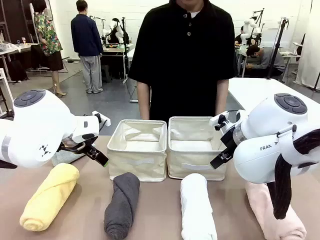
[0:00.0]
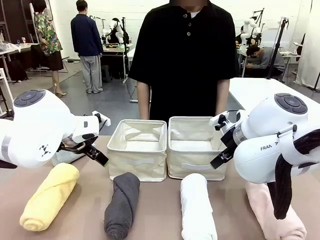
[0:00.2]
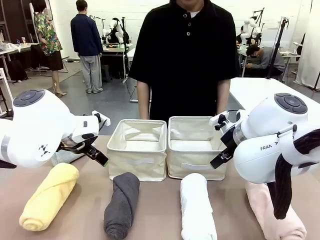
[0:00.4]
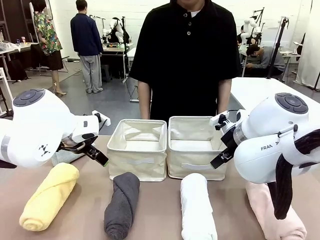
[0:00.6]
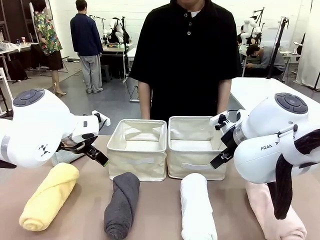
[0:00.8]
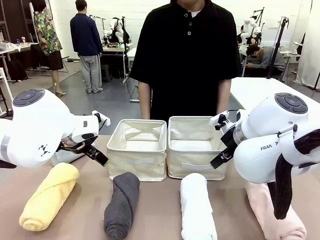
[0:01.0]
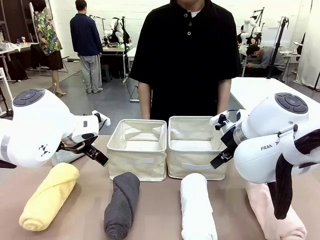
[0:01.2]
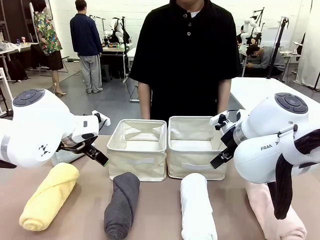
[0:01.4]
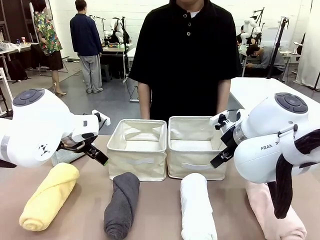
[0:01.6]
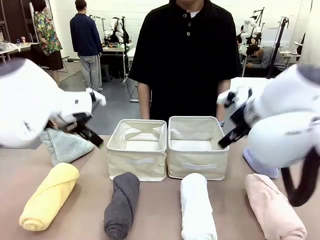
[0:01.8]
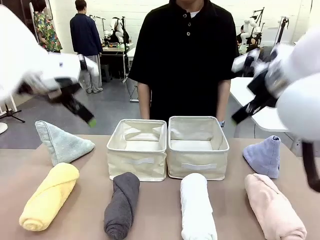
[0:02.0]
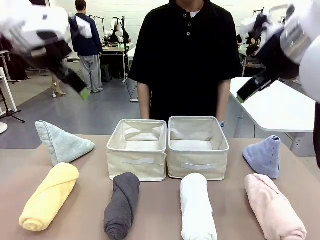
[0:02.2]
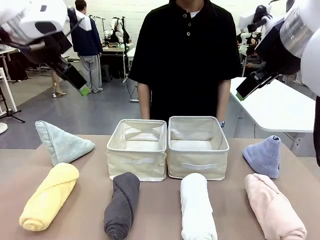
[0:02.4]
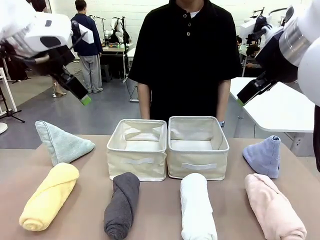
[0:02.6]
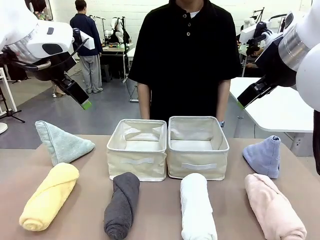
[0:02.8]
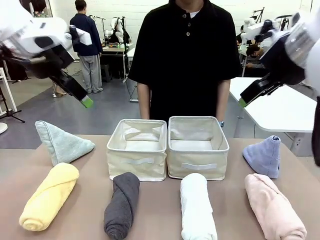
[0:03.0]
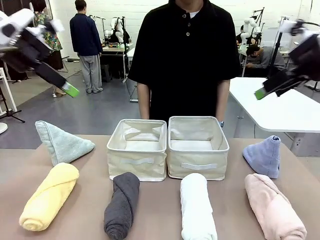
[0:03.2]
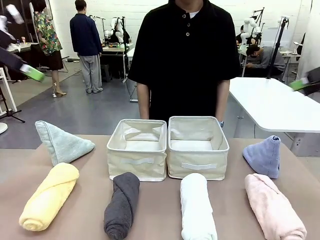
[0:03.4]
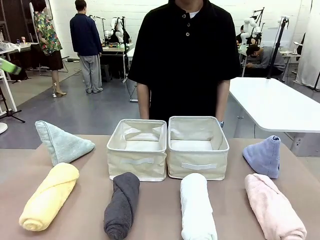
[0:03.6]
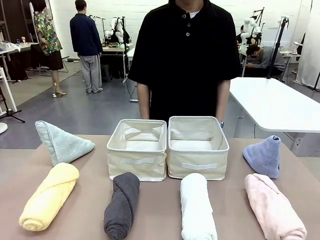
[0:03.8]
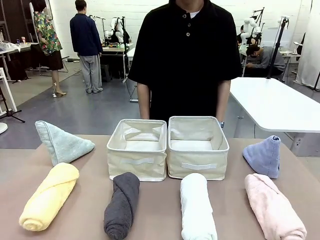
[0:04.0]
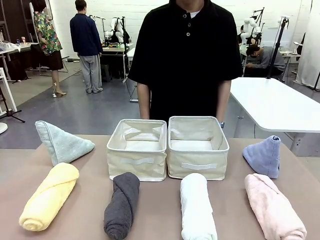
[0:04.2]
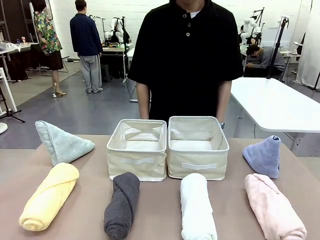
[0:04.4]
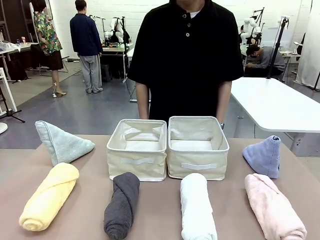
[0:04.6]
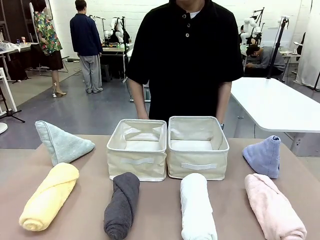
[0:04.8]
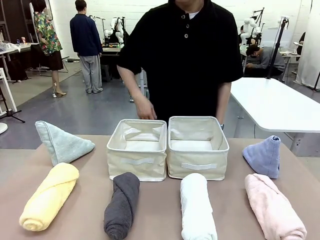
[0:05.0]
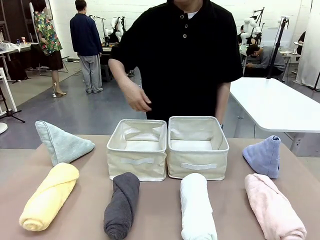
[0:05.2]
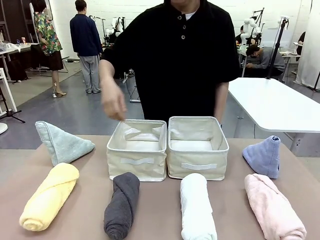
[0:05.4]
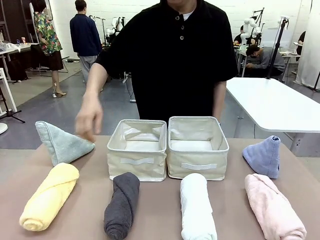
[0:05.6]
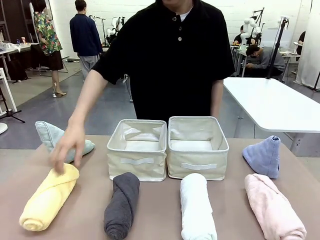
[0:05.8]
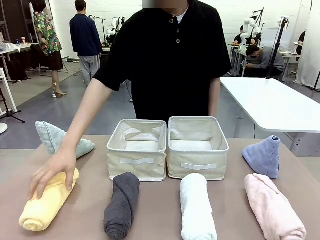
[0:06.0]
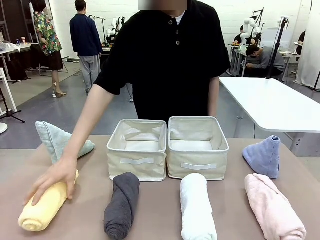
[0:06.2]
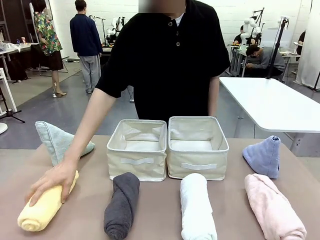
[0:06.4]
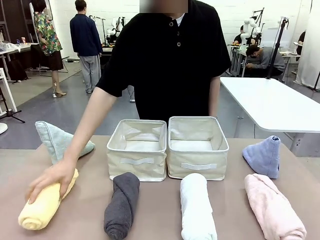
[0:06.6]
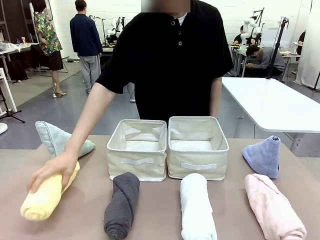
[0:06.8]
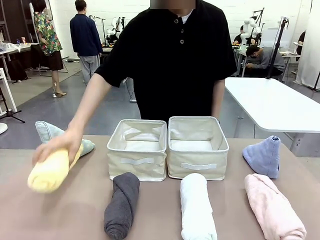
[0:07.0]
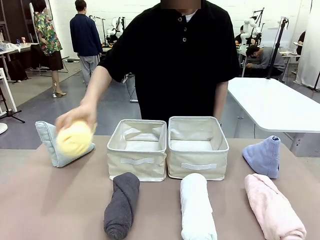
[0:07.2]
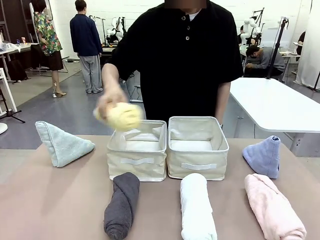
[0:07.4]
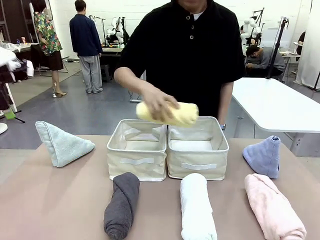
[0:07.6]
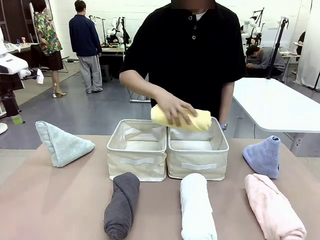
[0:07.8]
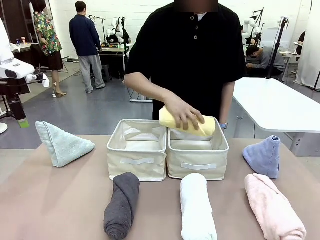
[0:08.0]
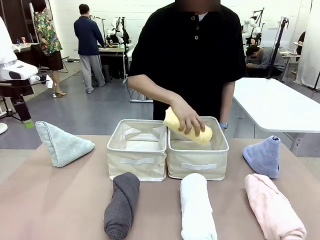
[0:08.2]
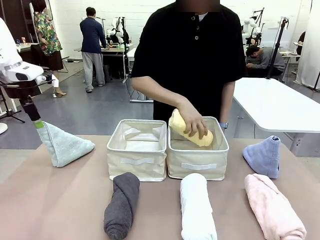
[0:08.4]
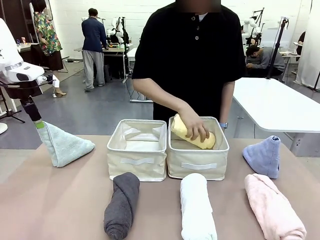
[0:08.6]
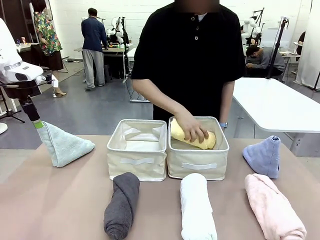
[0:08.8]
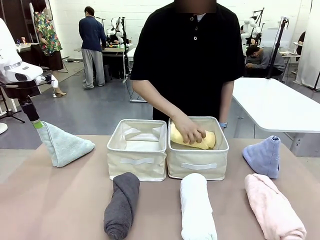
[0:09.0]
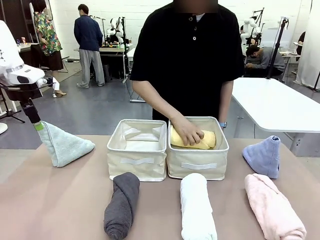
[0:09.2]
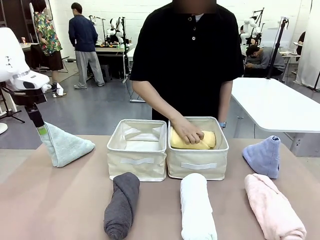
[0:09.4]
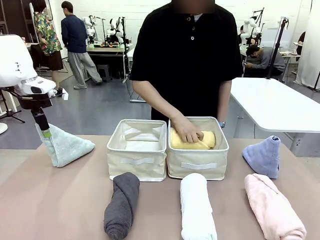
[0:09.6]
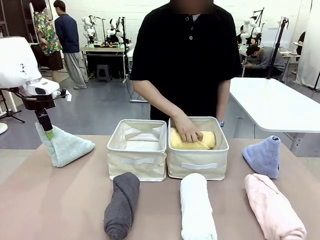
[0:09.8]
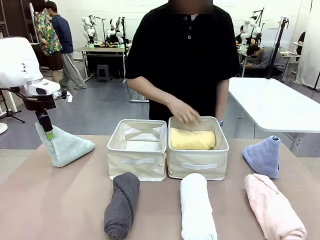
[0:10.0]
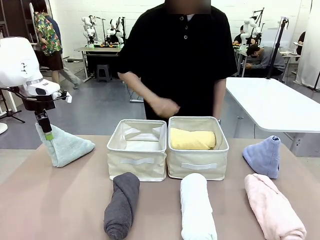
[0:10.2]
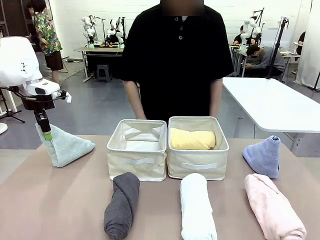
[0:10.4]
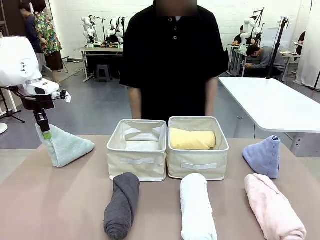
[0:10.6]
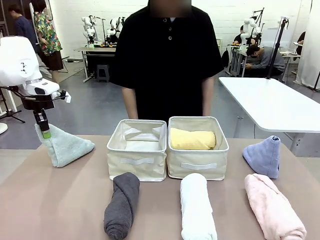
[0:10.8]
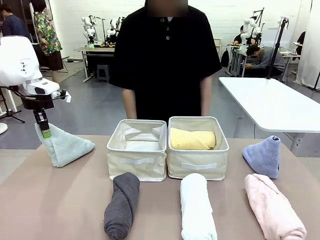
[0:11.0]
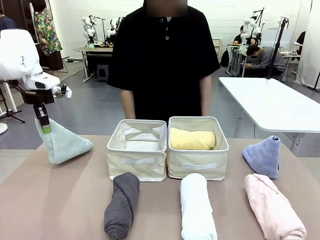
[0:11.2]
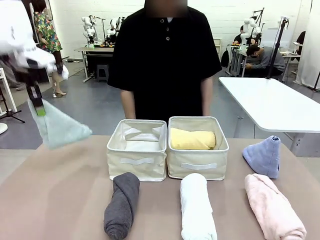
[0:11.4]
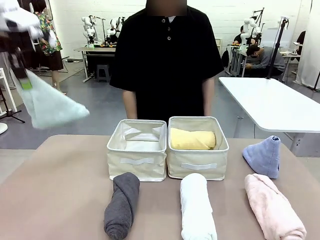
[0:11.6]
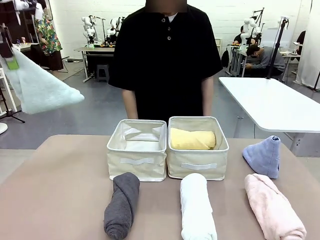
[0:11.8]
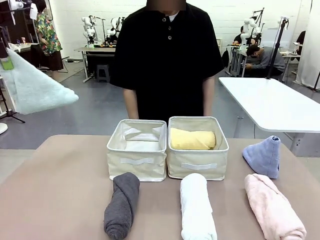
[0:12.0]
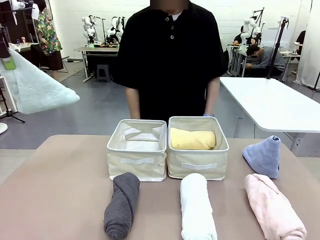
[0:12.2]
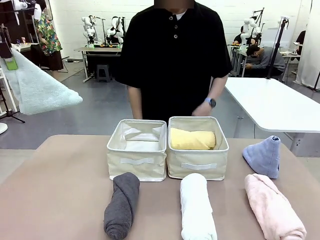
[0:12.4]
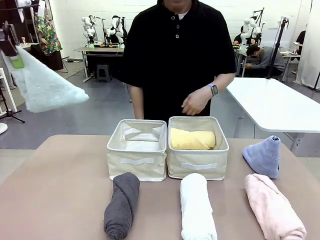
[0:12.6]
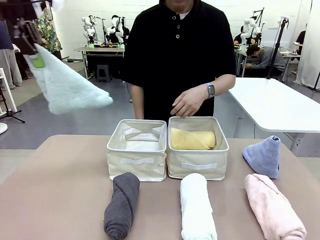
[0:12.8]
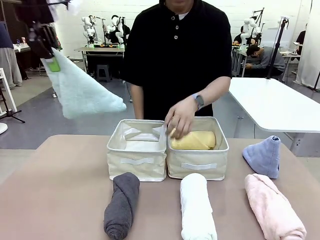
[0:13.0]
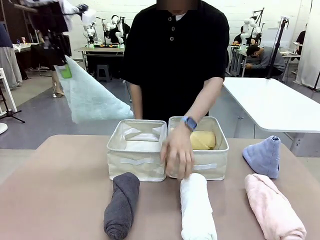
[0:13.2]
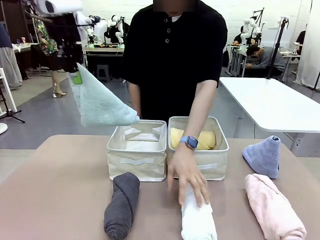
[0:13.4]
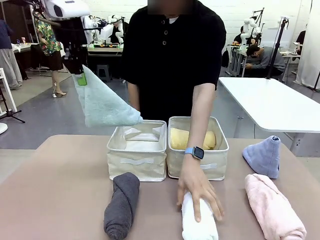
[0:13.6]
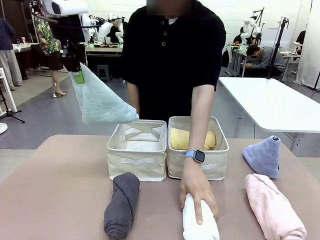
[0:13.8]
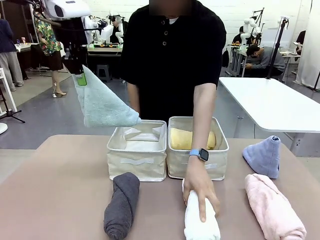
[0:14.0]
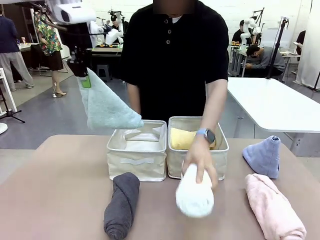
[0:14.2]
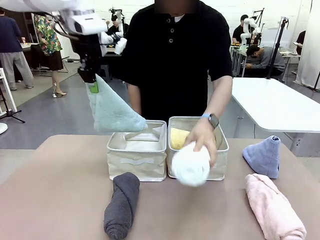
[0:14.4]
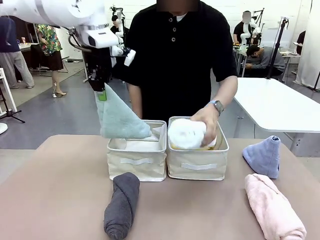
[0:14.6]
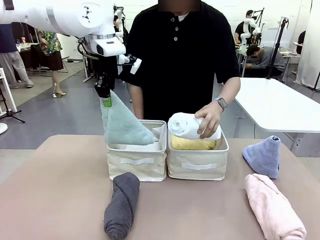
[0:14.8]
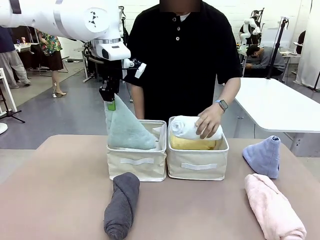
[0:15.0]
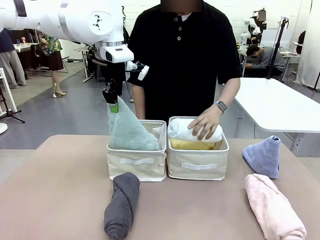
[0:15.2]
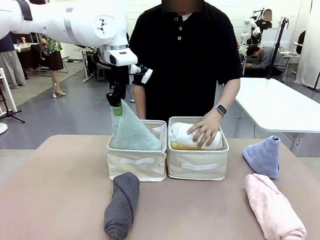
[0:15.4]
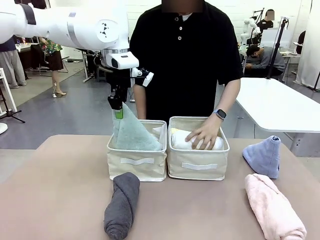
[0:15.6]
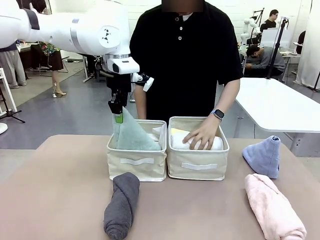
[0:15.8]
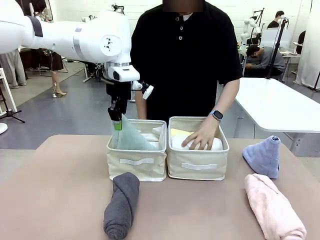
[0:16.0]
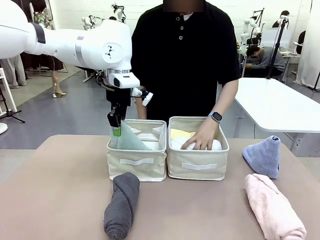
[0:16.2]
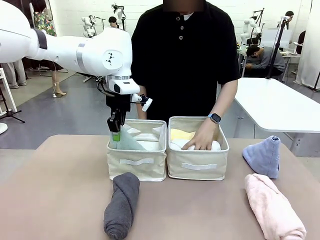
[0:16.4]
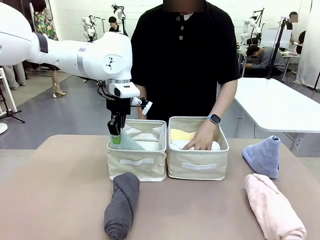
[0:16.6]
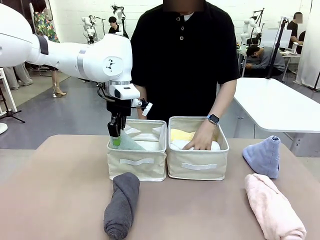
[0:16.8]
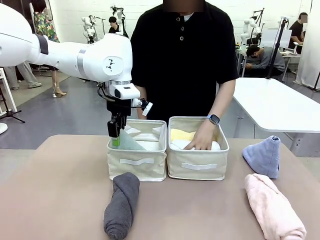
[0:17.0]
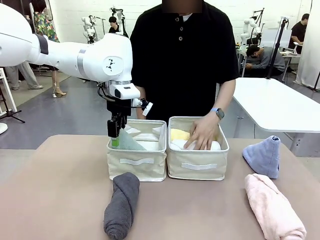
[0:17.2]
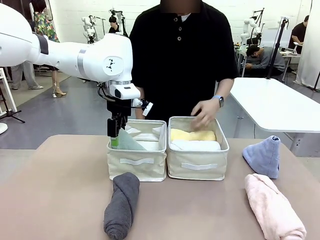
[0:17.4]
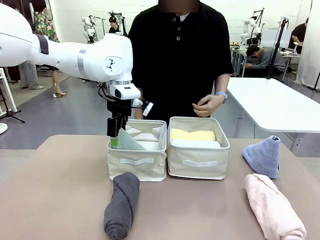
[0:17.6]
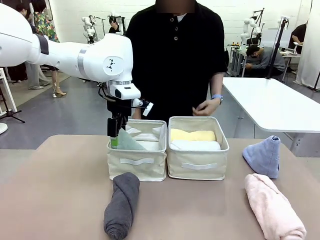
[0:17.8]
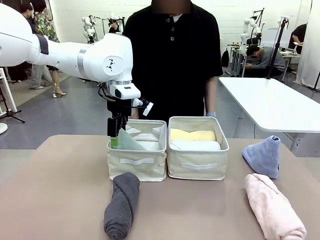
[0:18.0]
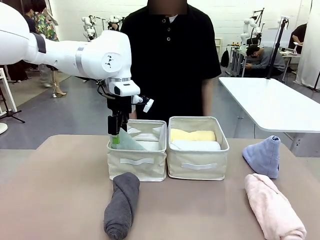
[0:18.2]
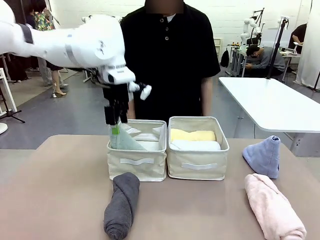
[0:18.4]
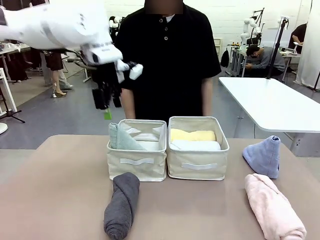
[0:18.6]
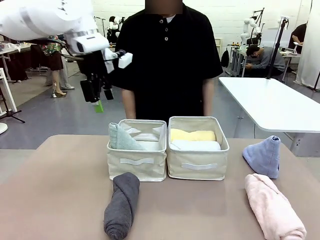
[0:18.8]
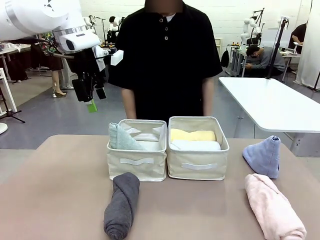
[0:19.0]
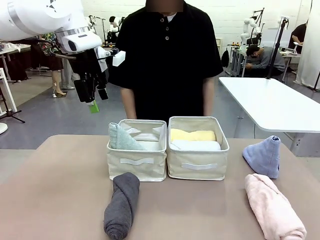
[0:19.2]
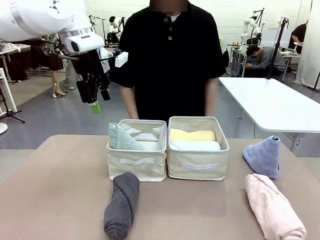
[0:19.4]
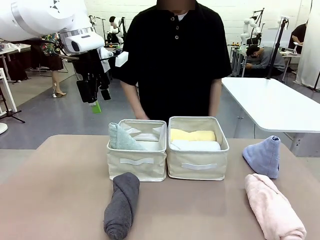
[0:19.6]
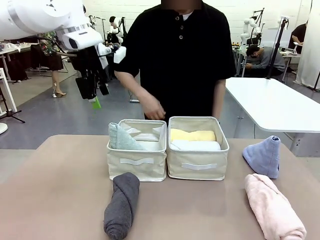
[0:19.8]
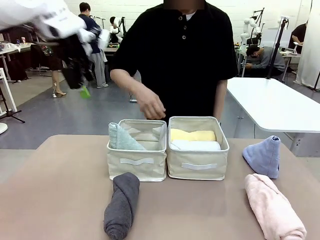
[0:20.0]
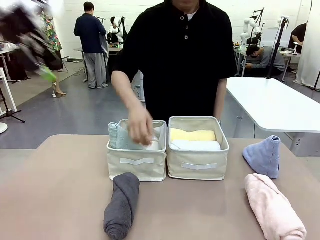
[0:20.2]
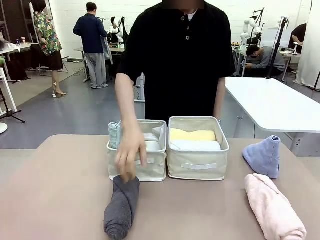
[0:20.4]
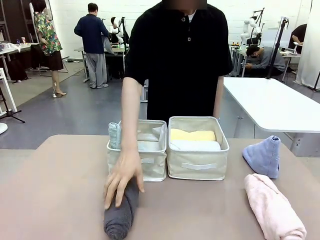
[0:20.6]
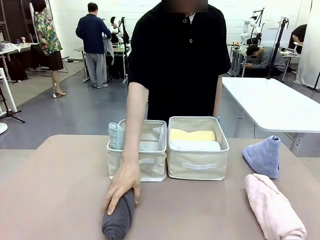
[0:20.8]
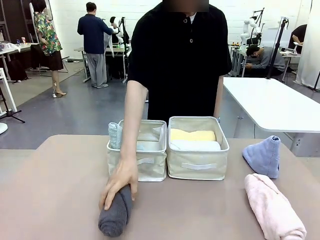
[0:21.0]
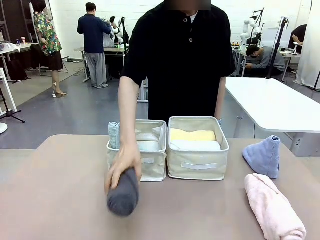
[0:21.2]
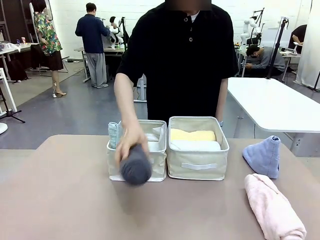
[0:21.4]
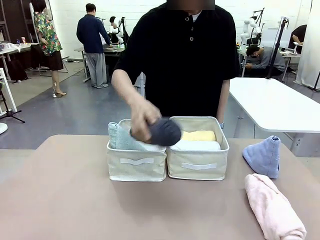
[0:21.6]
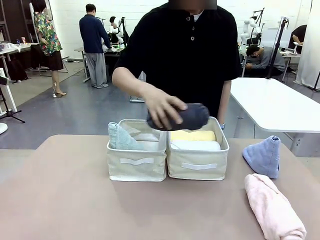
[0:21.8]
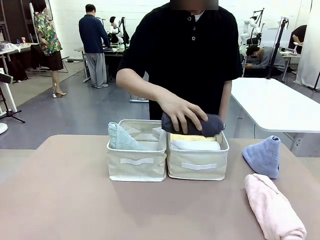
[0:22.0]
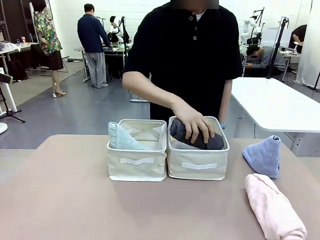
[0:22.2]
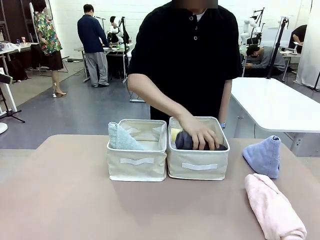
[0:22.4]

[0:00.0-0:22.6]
Task: Sort the towels based on their folding style.
Robot: Pick up one triangle-folded towel and place it in the left Fabric basket.
Person: Pick up one hotel-style rolled towel and place it in the left fabric basket.
